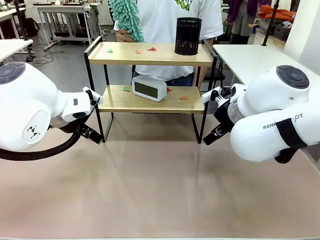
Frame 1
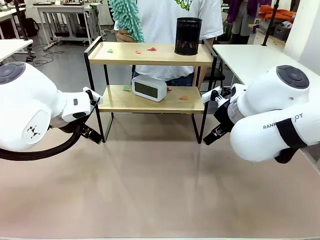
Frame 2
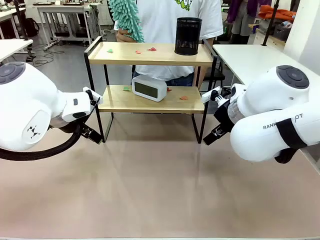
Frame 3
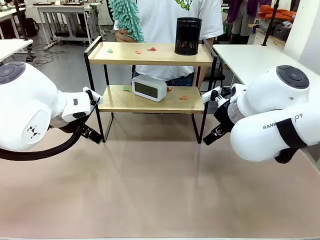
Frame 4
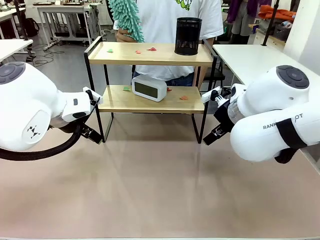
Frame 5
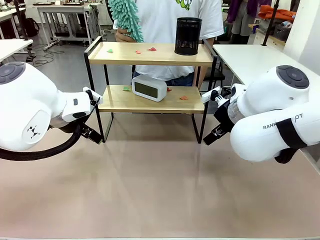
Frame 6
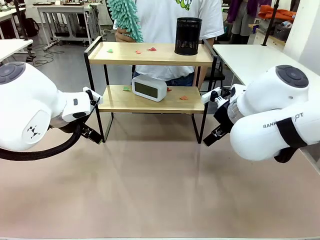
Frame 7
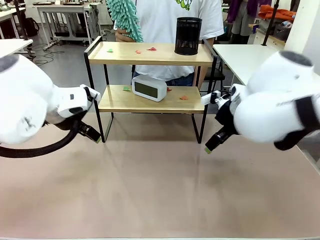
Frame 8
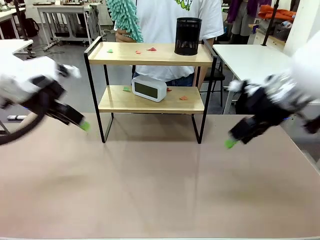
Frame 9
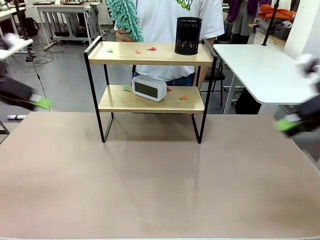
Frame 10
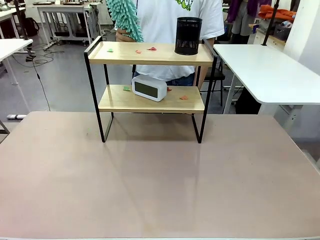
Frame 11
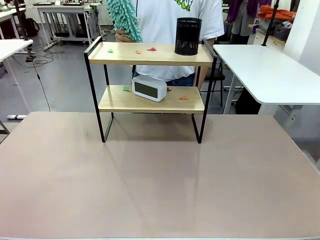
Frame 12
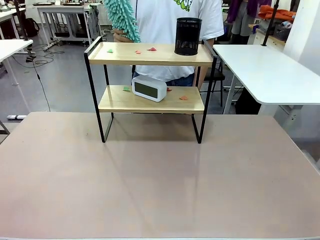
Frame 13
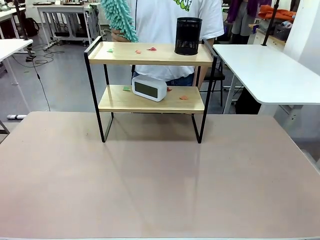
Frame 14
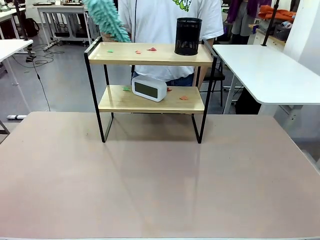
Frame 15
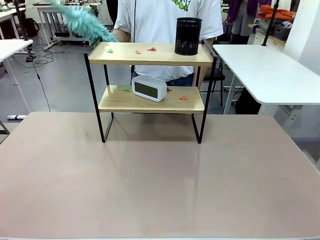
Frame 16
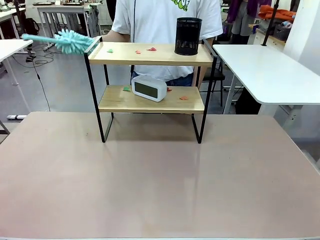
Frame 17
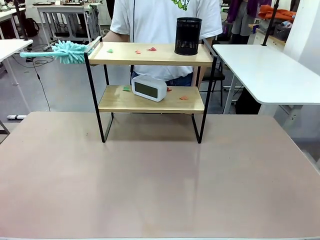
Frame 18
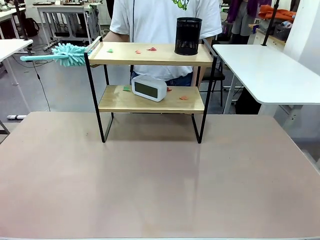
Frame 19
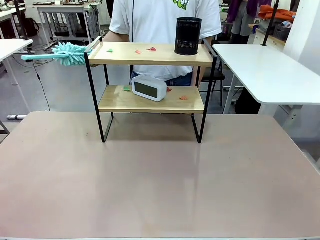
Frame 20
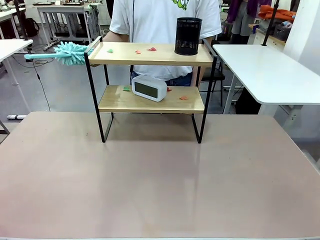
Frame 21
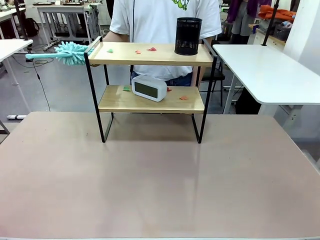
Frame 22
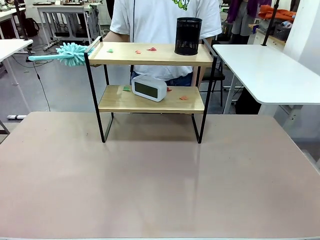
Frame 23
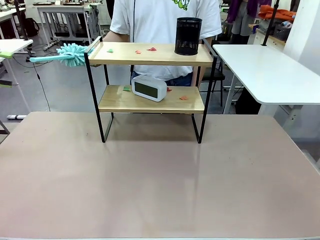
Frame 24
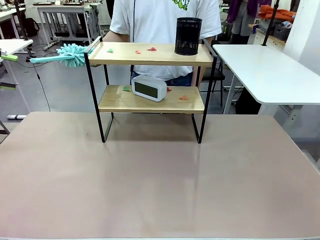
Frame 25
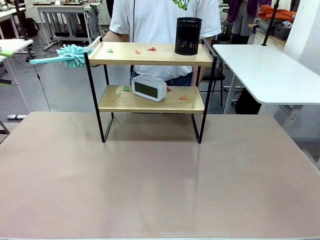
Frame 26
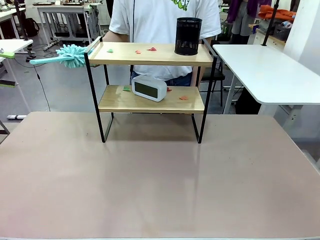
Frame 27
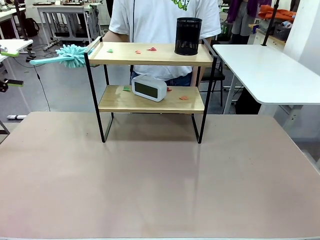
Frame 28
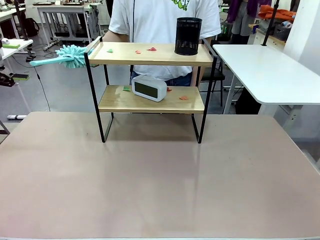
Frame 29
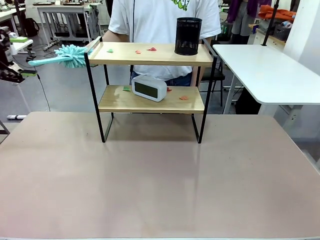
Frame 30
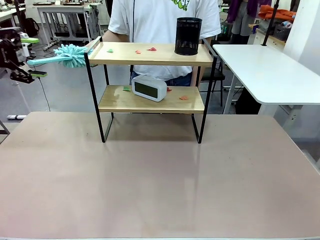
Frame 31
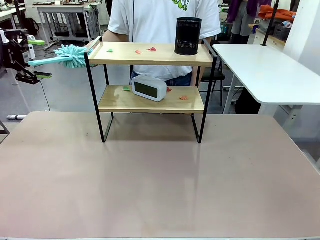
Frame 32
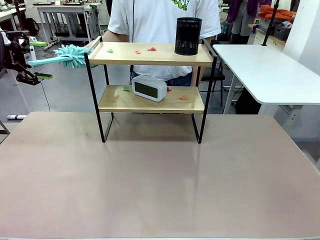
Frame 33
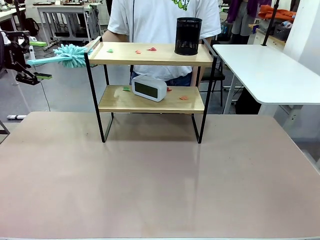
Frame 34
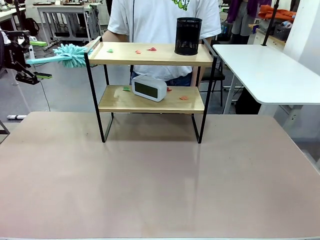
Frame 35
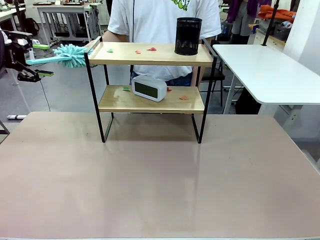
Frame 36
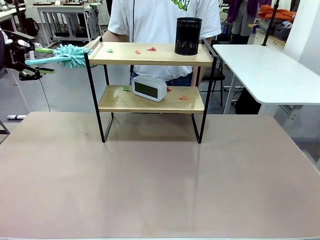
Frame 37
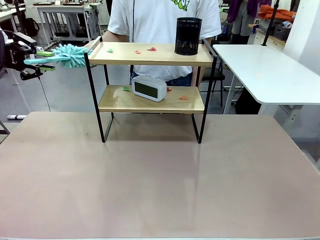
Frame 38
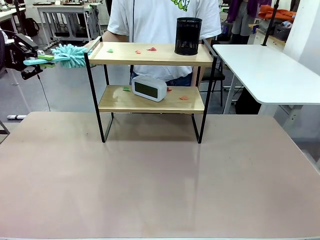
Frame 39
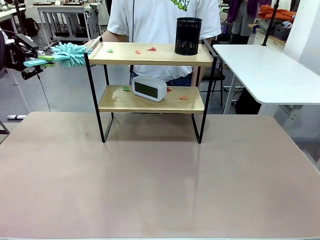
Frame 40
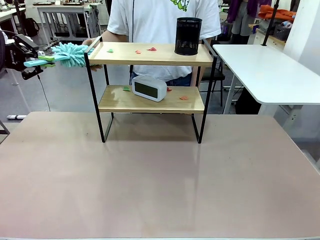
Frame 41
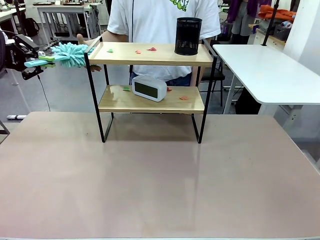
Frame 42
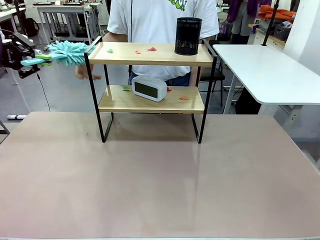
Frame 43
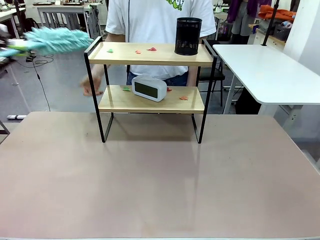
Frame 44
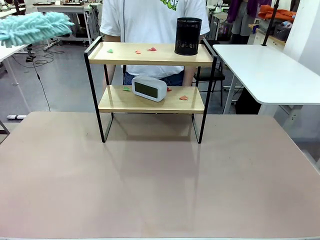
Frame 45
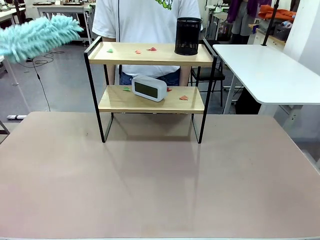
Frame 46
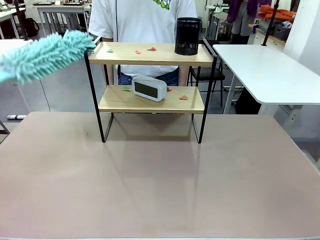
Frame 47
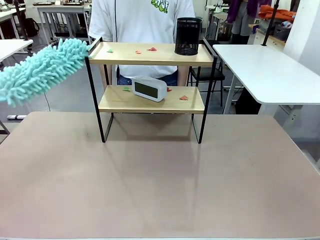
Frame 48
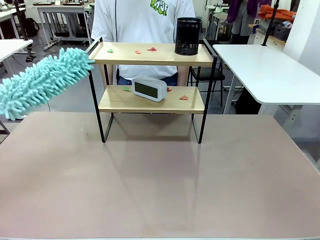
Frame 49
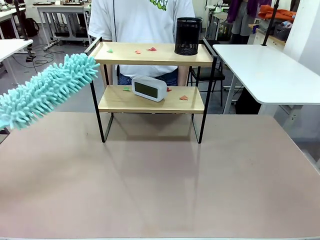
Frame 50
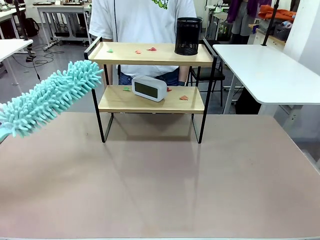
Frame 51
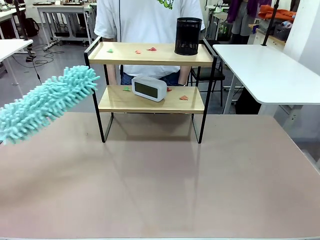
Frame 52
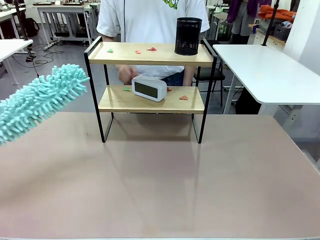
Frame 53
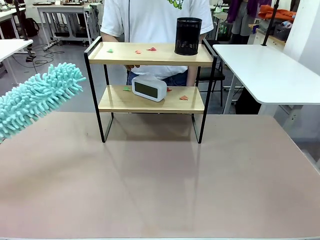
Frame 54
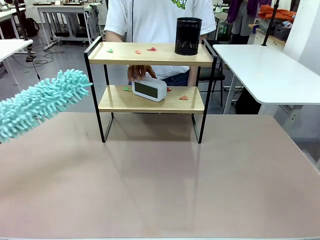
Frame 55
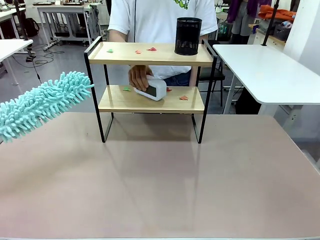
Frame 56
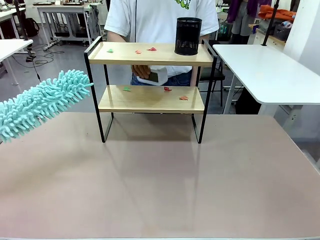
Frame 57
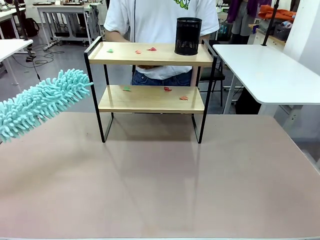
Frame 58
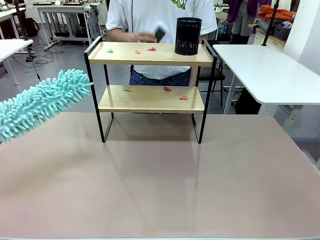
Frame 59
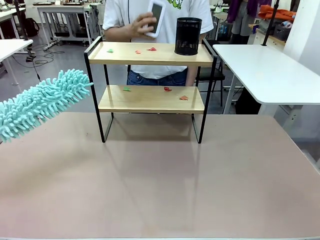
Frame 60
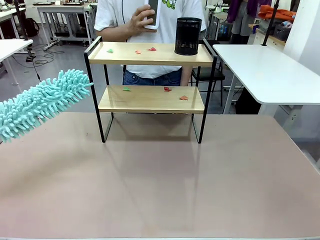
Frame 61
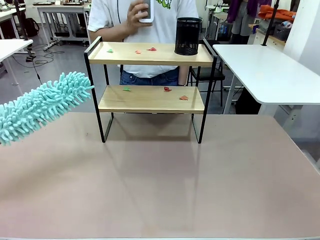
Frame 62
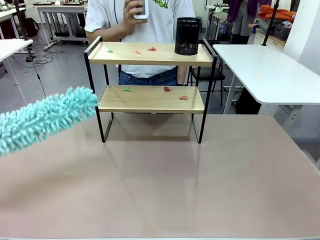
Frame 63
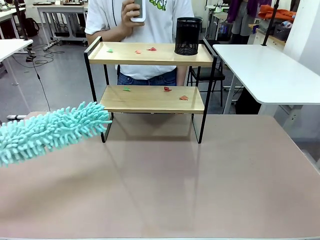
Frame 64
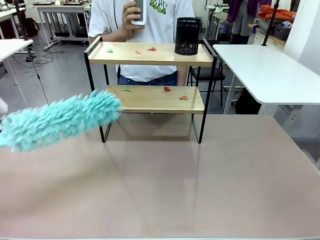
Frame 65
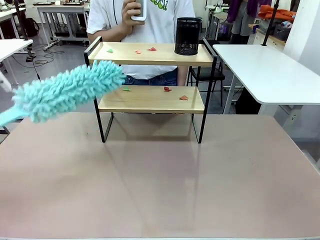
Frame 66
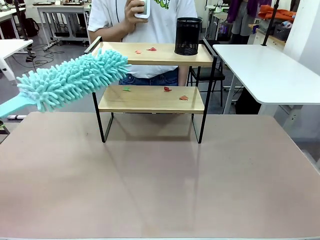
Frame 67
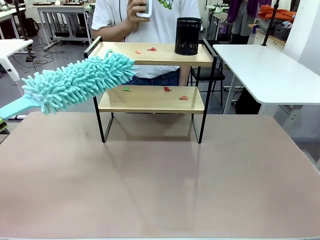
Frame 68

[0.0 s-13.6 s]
Task: Clean the shelf.
Robot: Pick up the Duster from the human.
Person: Hand the Duster to the robot. Lift the objects on a randomly selected tier of the Shelf.
